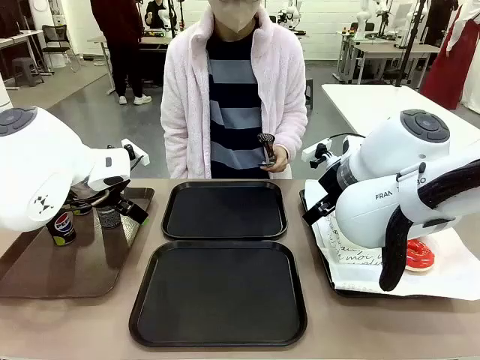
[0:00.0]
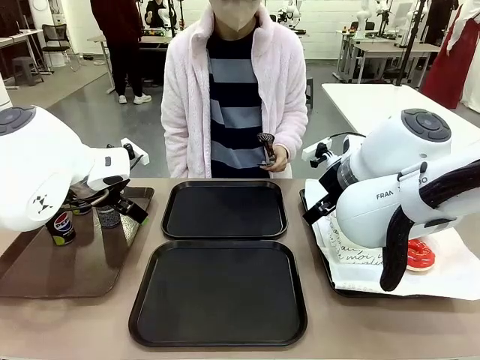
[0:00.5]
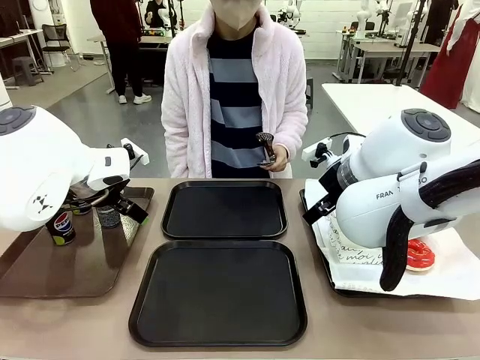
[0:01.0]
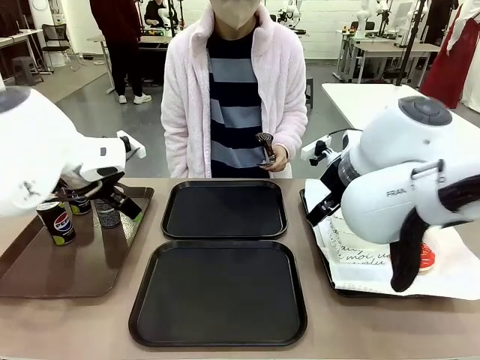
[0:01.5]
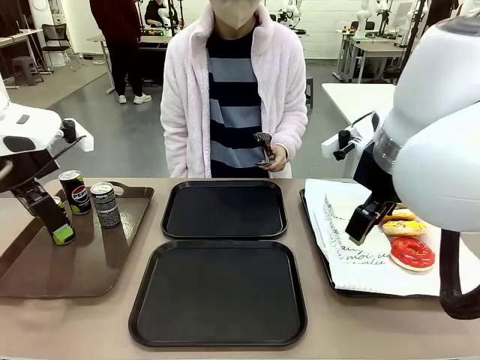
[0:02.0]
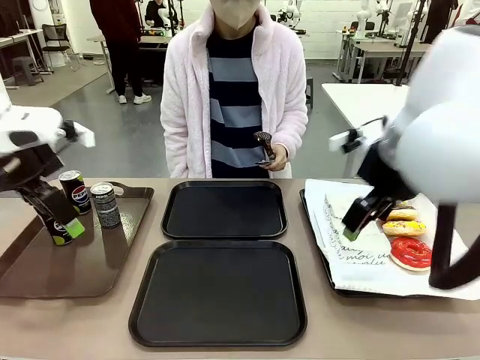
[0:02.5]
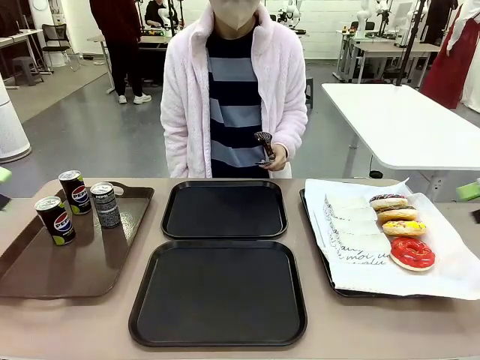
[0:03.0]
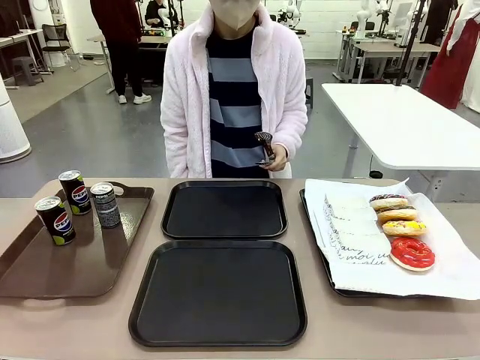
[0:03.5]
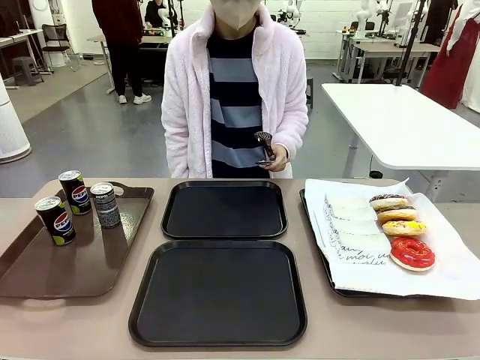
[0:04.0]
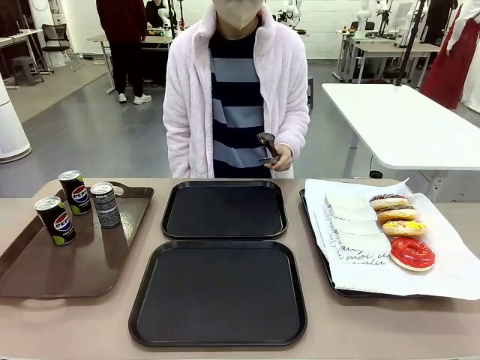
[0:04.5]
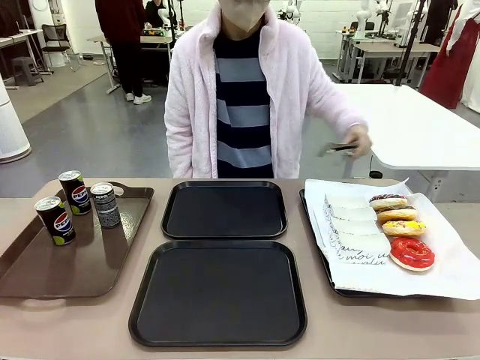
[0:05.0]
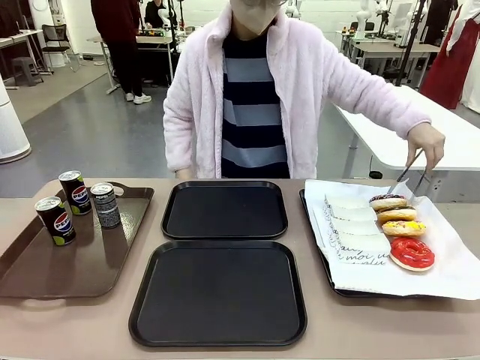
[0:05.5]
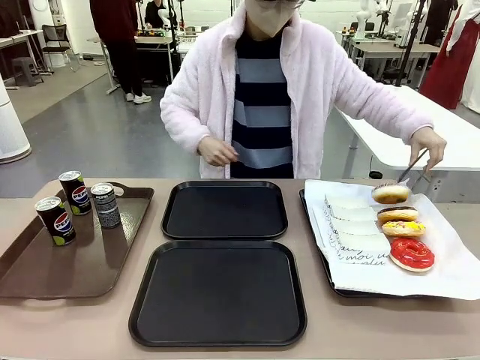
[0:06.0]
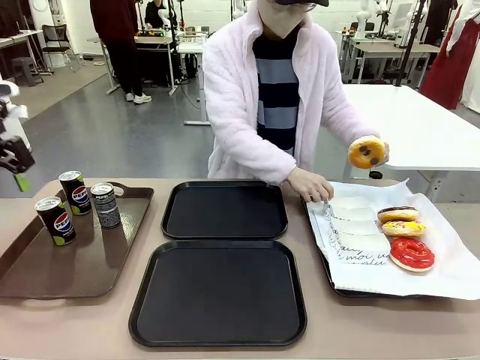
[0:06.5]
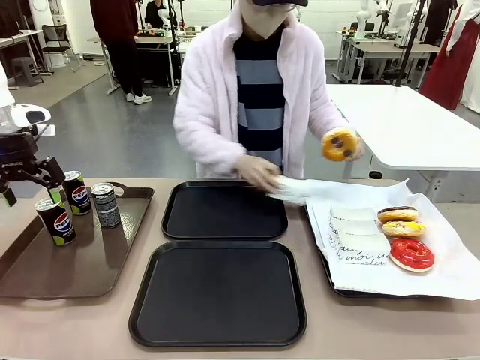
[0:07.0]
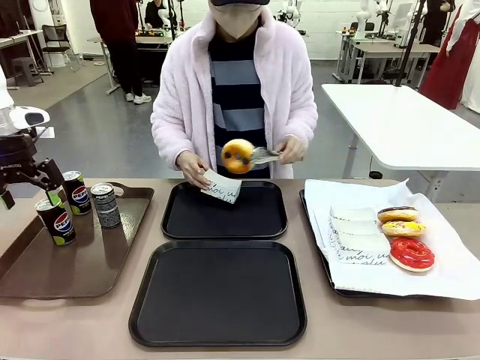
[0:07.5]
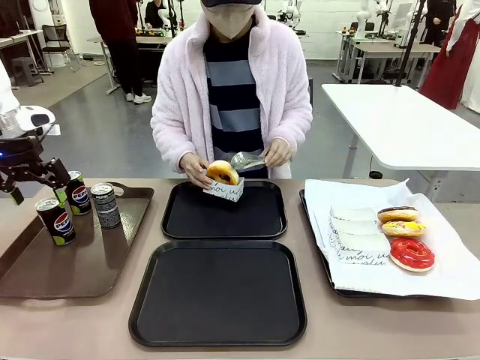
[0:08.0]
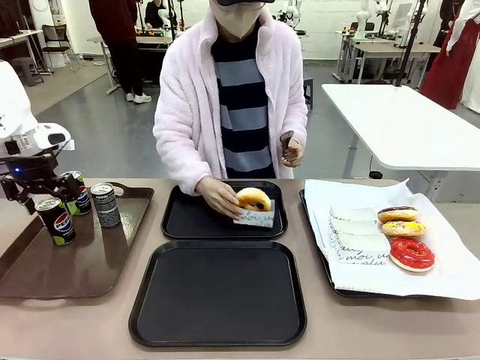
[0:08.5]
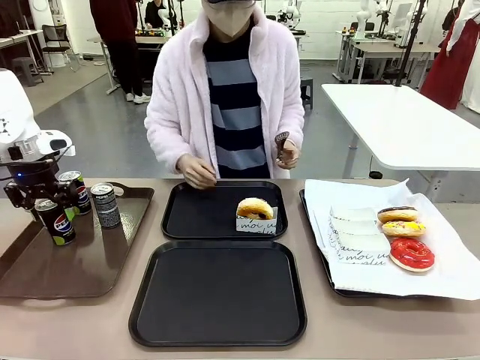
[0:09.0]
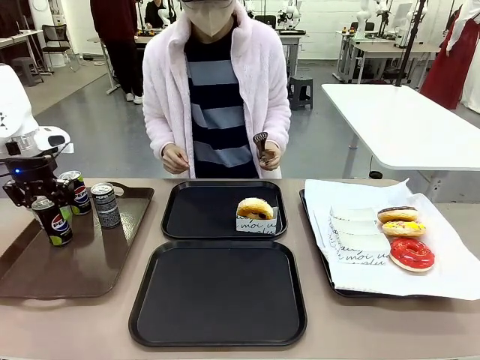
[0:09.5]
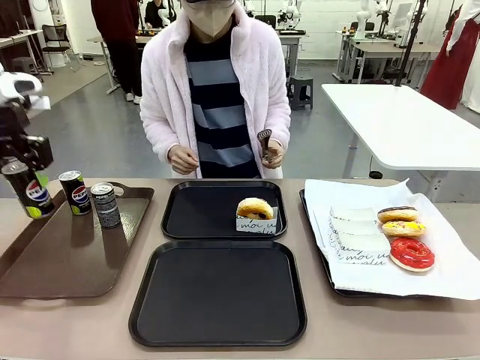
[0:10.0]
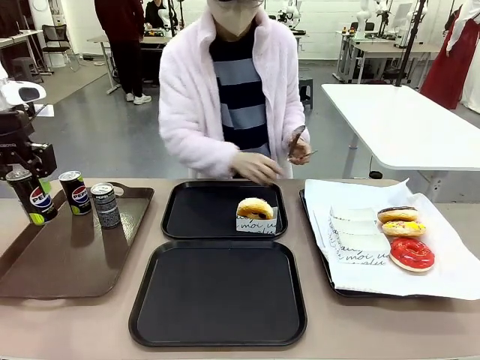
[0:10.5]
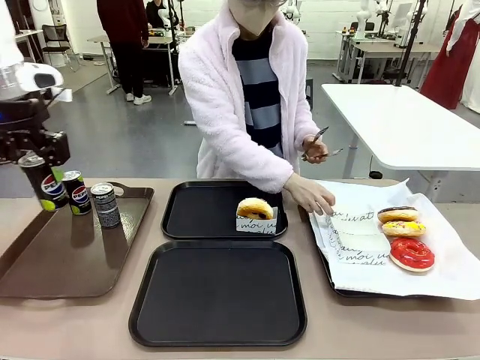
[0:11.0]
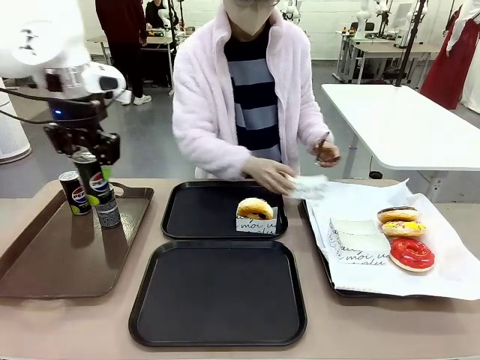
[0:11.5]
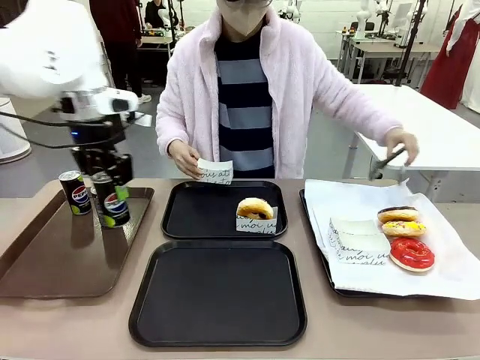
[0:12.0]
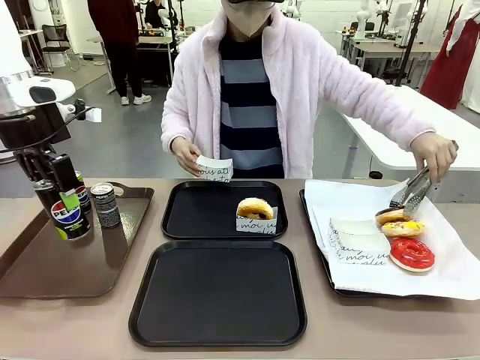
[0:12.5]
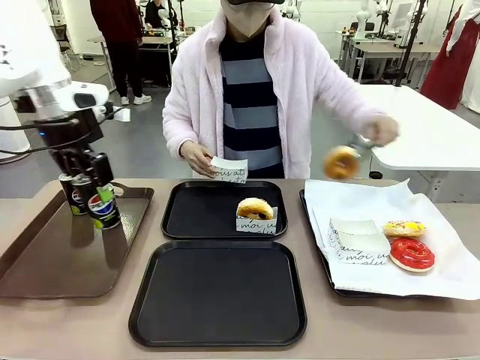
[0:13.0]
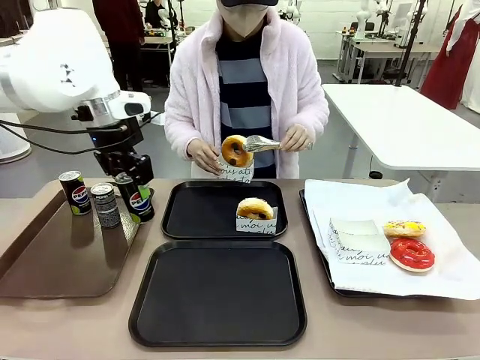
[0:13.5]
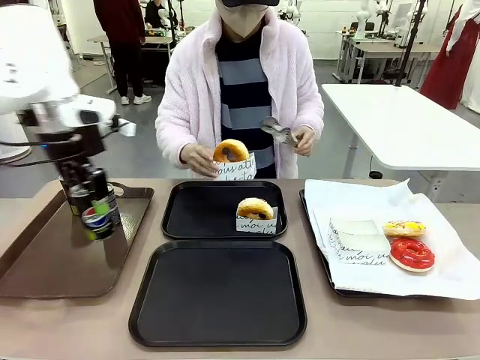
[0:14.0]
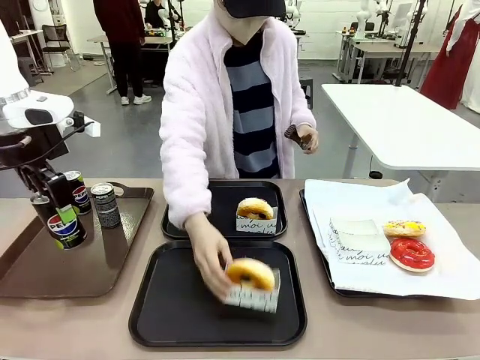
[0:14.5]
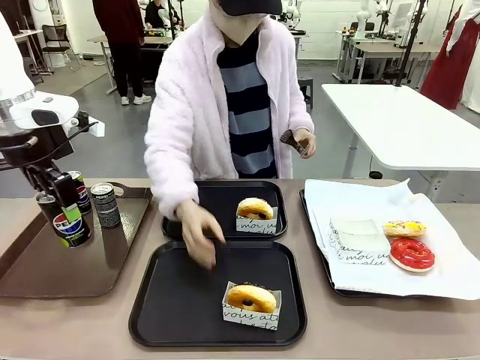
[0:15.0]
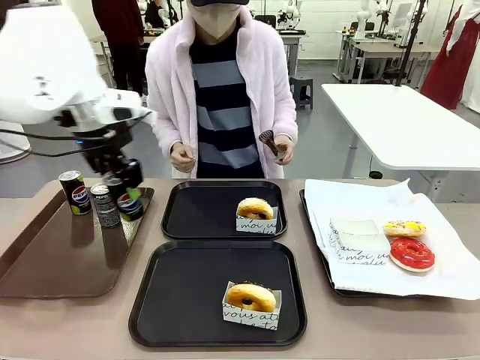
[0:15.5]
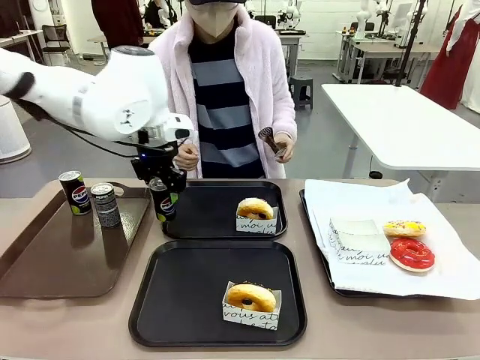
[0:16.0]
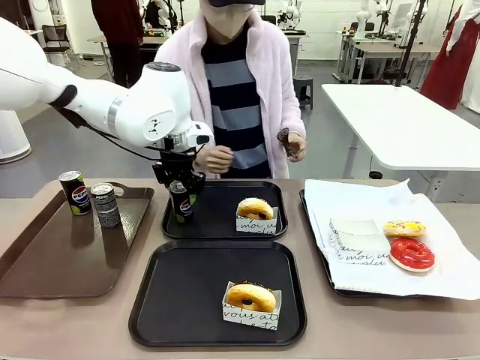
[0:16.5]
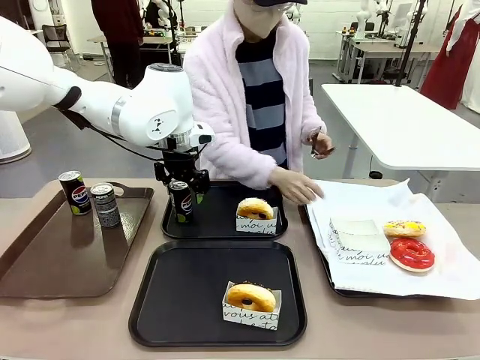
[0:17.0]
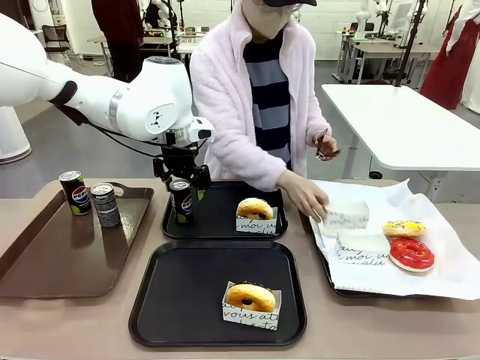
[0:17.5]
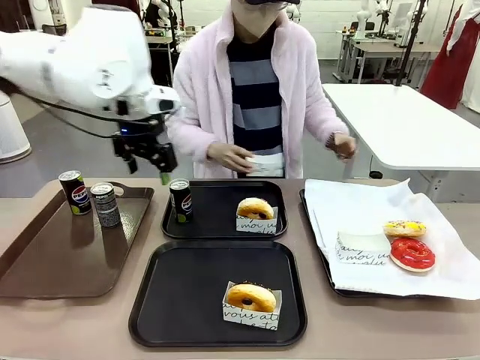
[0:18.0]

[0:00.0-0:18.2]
Task: Set up donuts and drinks on trays.
Robot: Pick up one Pepsi coke and place it on the Flat Tray.
Person: Pick up one donut with tongs, place it in the donut tray, and then place the donut tray on the flat tray.
